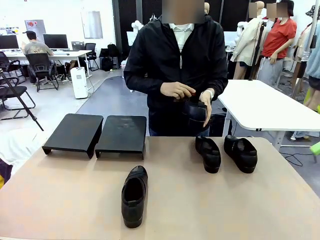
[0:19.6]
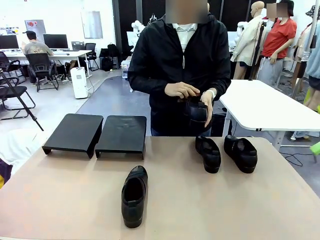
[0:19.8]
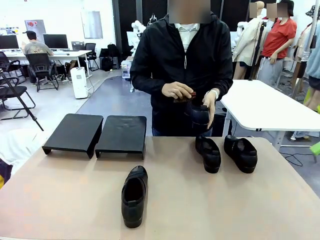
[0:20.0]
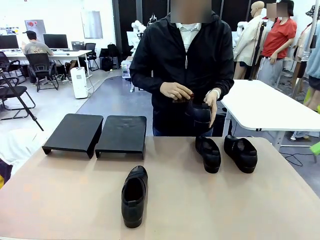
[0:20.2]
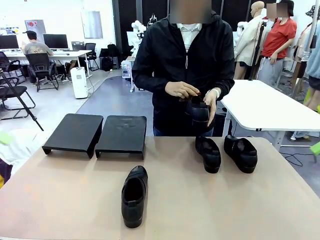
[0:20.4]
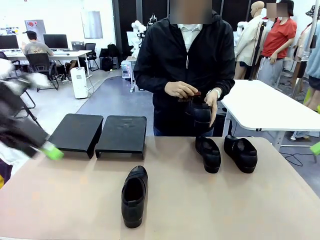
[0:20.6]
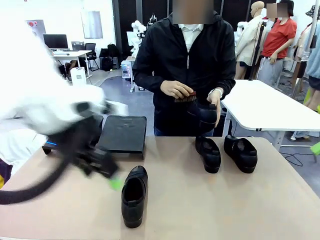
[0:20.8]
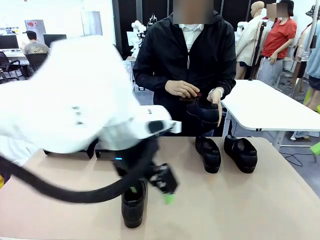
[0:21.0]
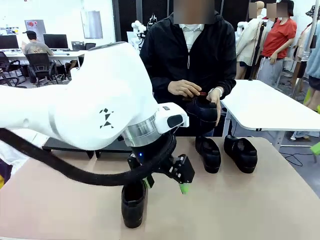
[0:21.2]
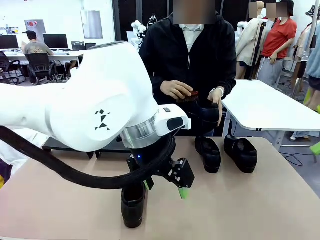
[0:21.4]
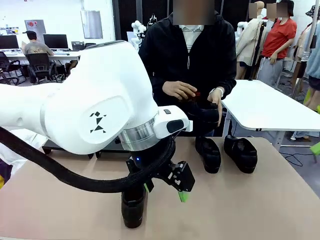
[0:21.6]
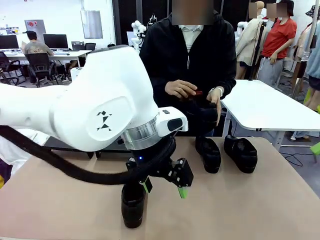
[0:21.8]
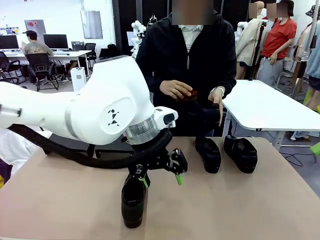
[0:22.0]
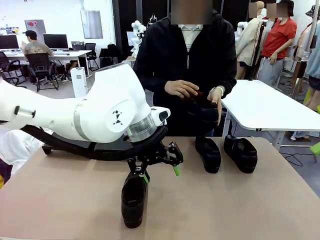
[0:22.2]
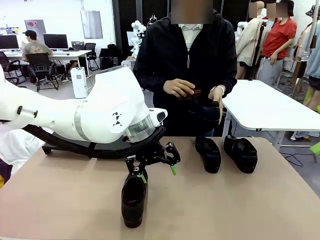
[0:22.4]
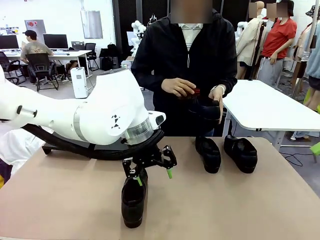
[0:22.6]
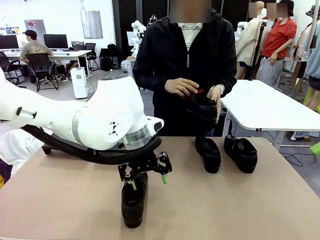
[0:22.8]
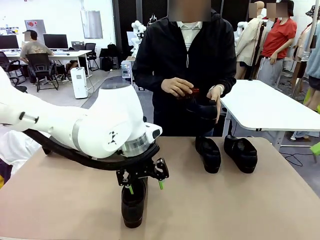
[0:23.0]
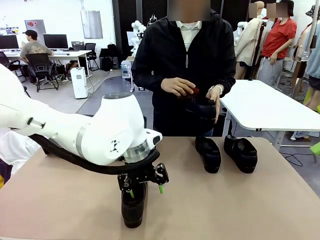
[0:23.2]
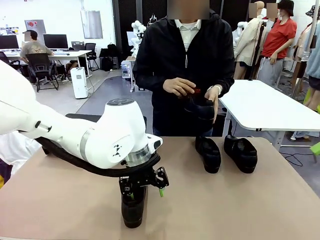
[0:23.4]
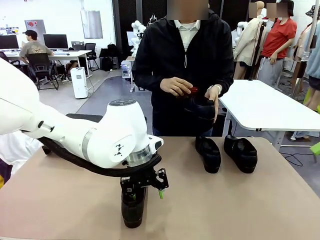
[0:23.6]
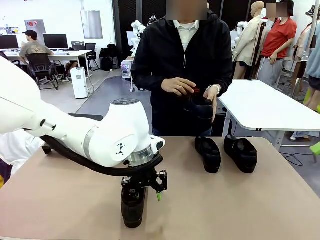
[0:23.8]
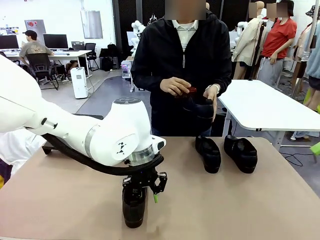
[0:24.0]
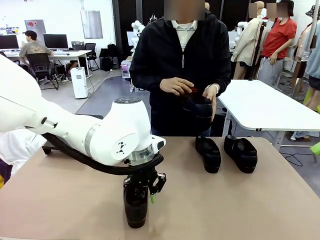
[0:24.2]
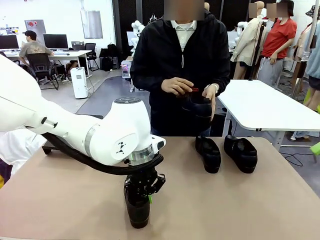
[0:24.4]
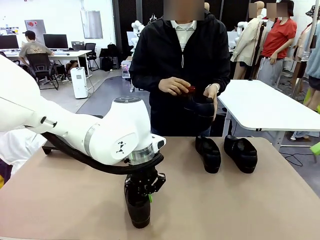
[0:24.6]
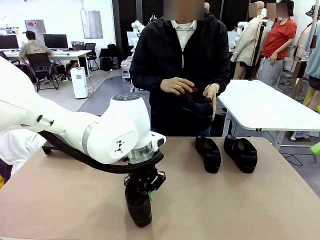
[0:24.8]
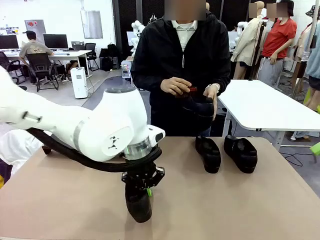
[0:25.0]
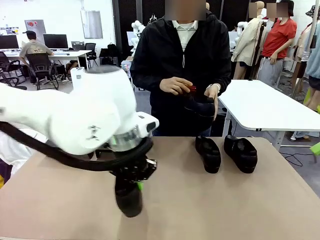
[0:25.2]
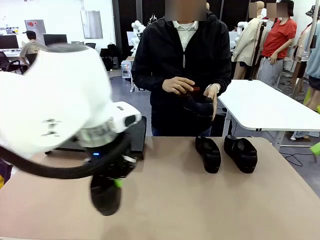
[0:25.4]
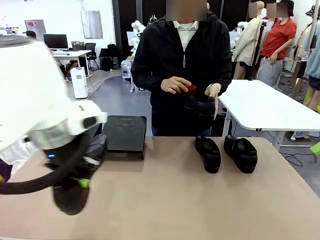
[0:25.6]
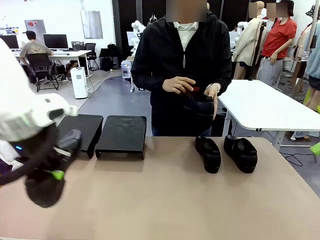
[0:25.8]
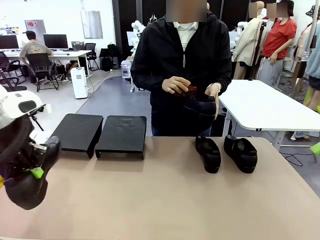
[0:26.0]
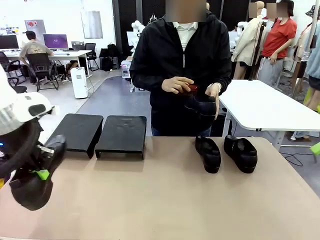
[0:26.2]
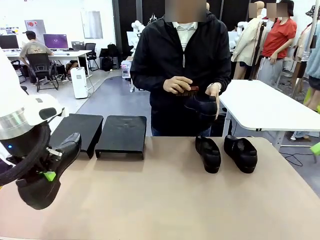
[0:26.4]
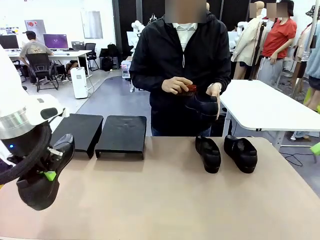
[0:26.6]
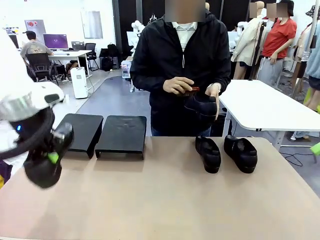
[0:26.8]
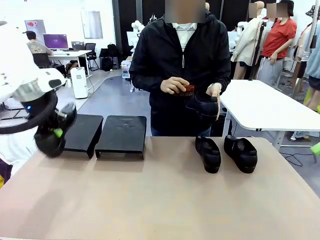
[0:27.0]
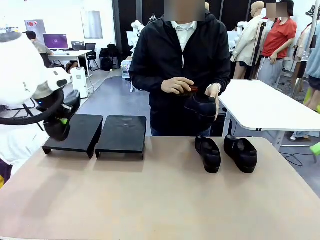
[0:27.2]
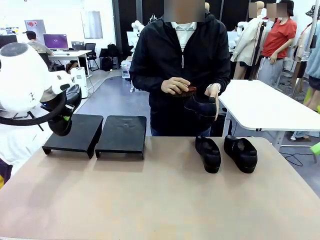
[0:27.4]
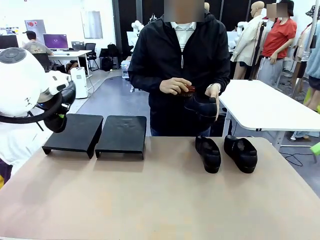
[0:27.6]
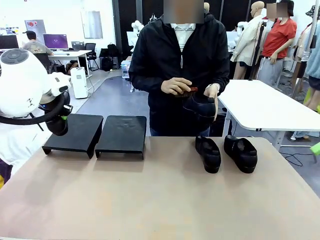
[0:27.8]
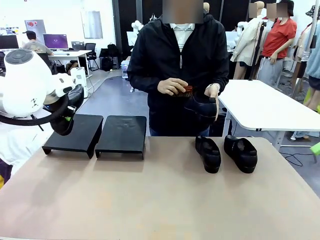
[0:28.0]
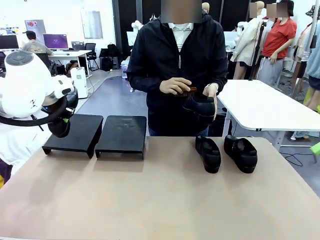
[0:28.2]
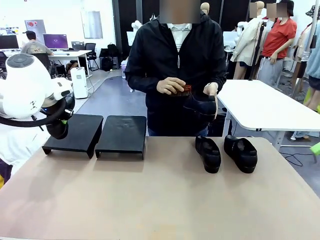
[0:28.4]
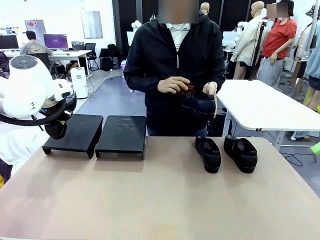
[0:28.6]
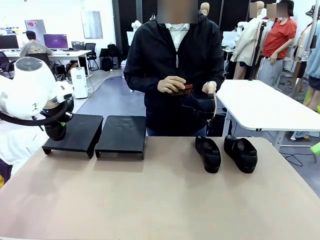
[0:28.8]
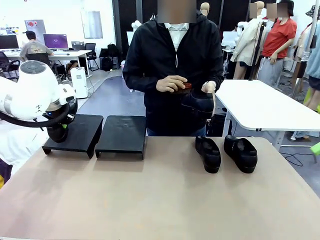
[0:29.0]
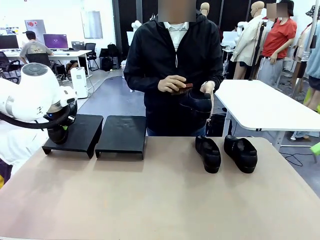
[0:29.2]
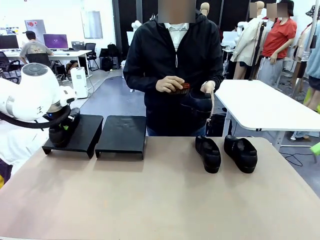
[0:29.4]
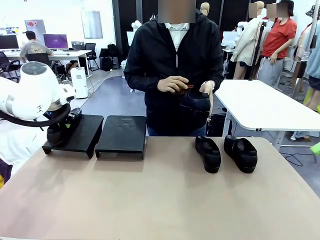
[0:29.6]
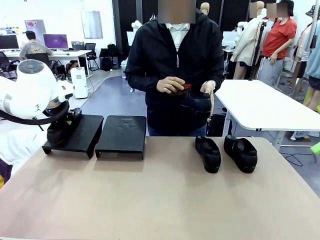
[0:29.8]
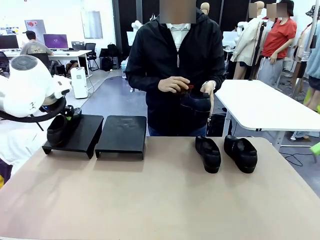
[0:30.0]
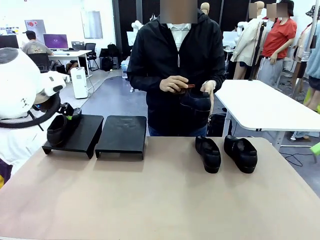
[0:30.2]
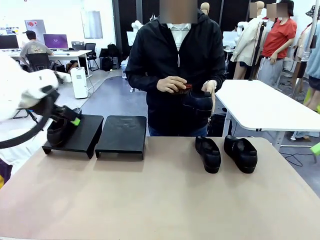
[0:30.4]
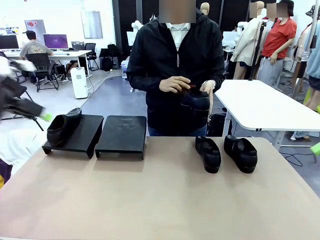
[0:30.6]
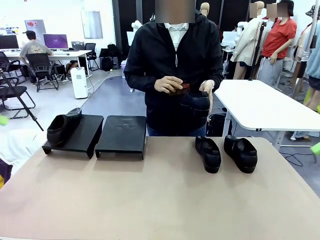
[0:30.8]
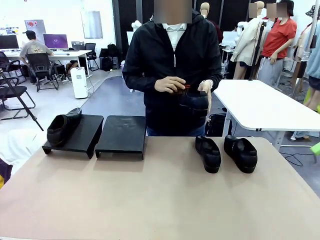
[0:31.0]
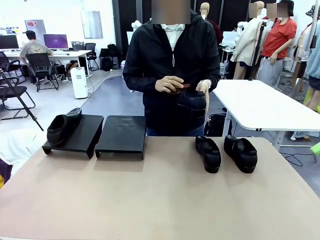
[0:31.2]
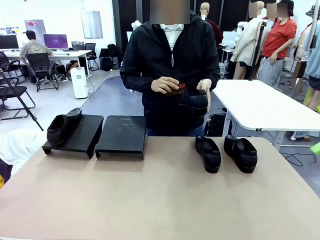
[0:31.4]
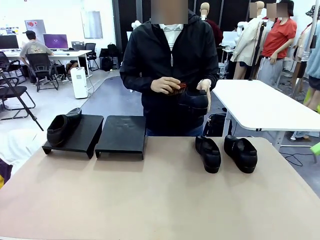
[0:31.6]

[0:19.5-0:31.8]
Task: Organize the shoes by placing them on the stand.
Robot: Place the Shoe from the middle of the table onto the Shoes Stand.
Person: Clean the Shoe with the Shoe Brush.

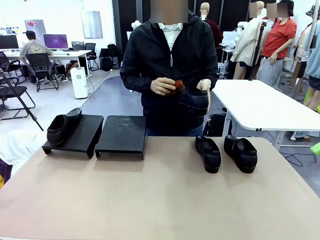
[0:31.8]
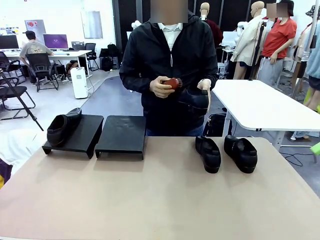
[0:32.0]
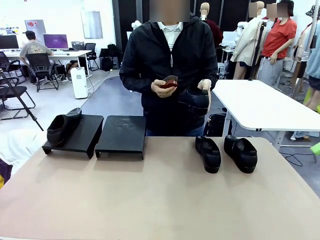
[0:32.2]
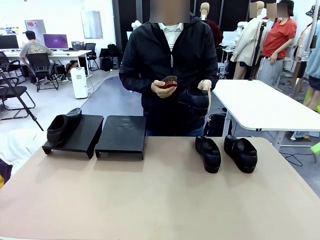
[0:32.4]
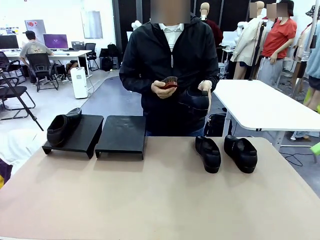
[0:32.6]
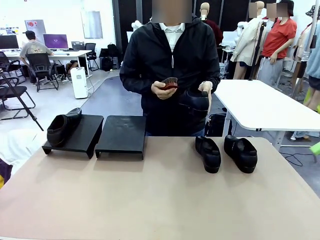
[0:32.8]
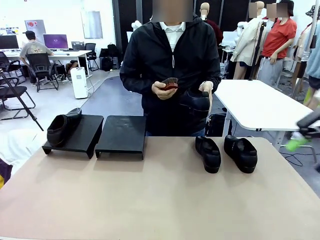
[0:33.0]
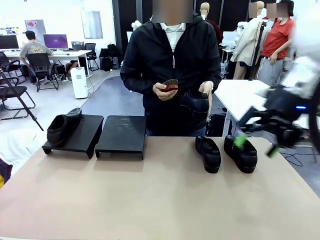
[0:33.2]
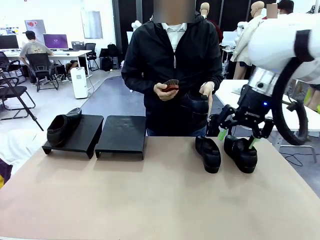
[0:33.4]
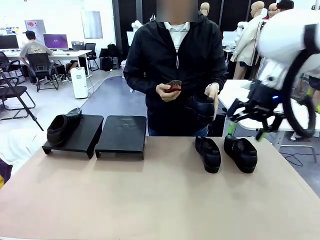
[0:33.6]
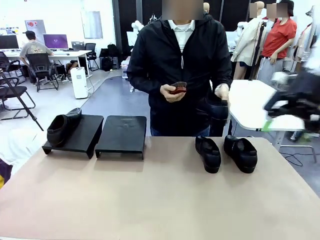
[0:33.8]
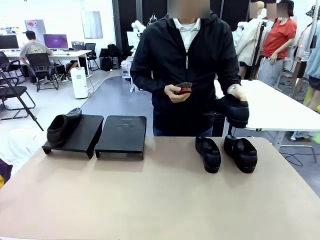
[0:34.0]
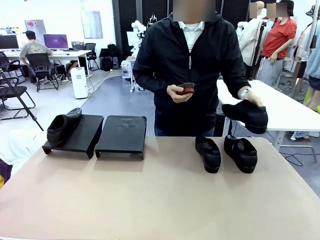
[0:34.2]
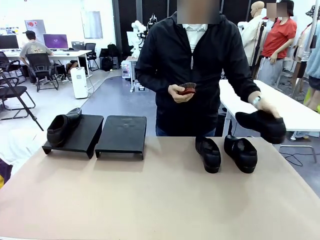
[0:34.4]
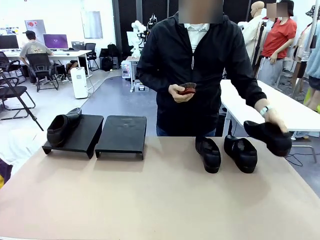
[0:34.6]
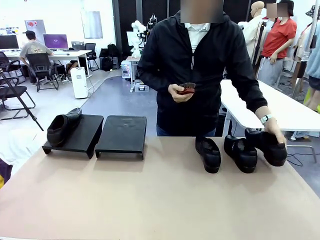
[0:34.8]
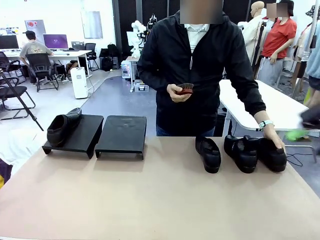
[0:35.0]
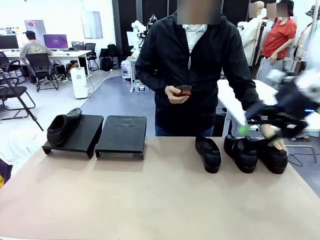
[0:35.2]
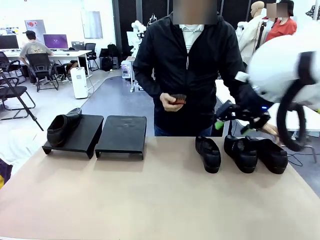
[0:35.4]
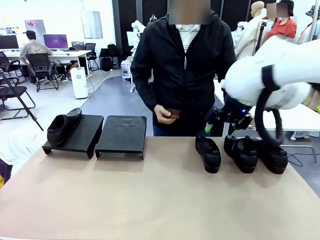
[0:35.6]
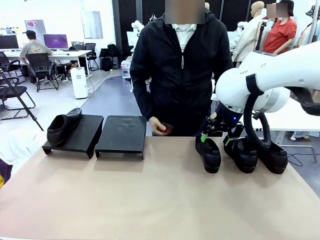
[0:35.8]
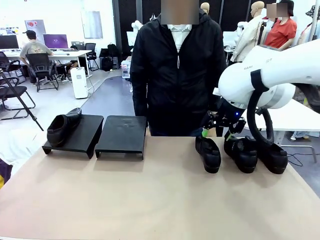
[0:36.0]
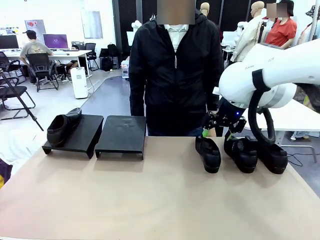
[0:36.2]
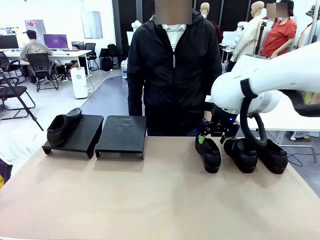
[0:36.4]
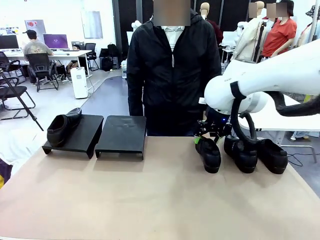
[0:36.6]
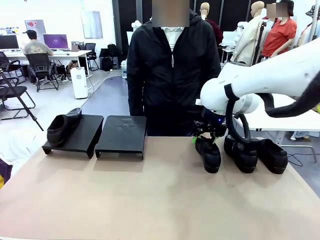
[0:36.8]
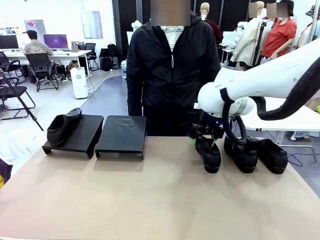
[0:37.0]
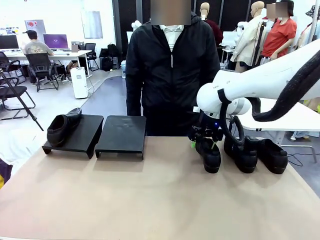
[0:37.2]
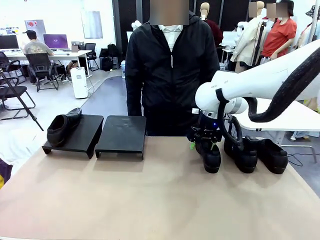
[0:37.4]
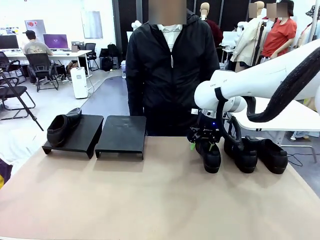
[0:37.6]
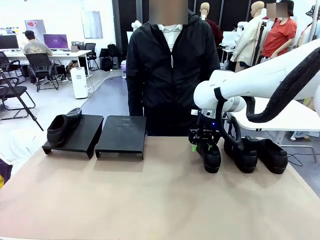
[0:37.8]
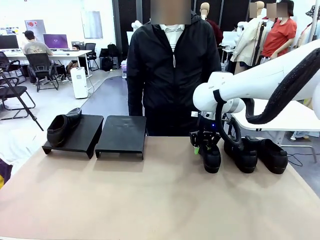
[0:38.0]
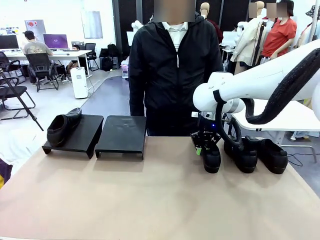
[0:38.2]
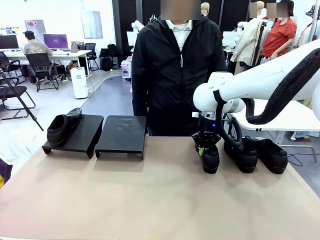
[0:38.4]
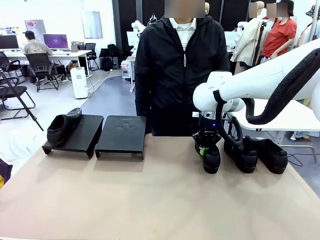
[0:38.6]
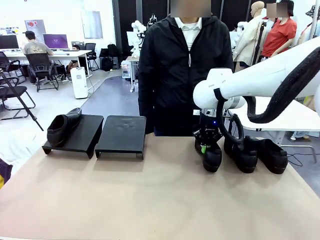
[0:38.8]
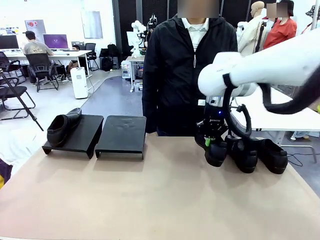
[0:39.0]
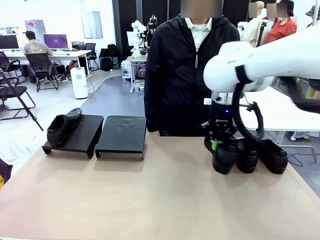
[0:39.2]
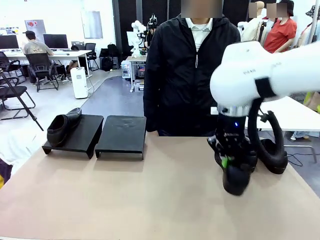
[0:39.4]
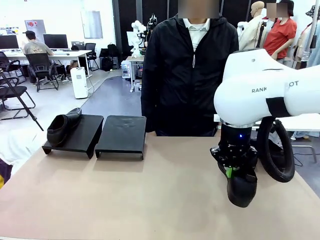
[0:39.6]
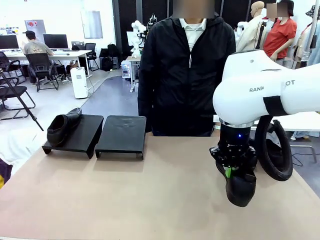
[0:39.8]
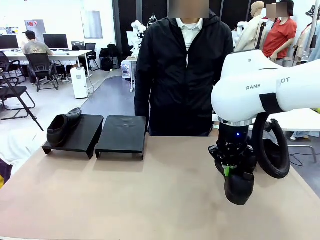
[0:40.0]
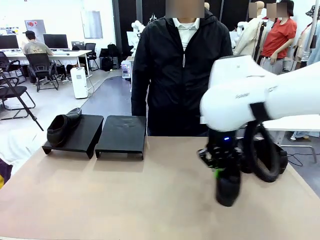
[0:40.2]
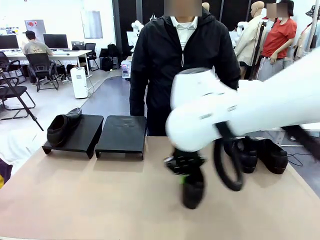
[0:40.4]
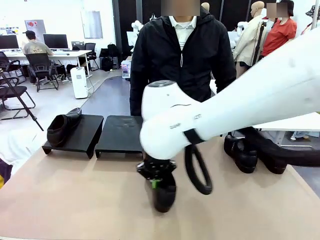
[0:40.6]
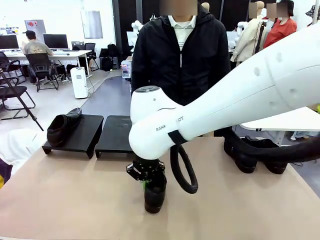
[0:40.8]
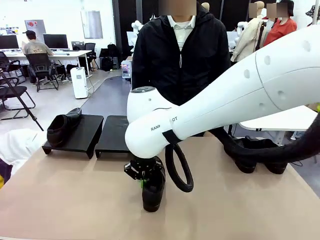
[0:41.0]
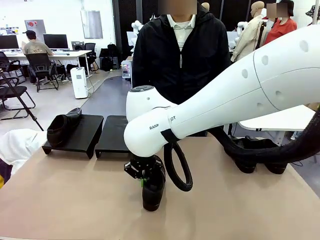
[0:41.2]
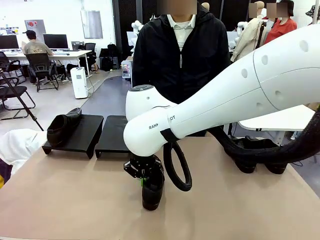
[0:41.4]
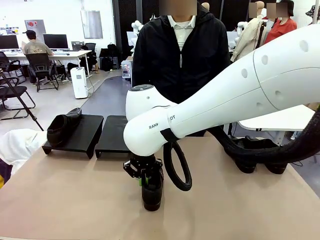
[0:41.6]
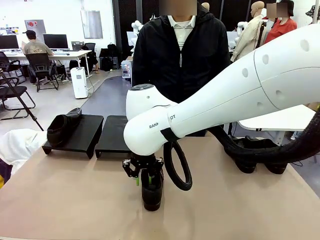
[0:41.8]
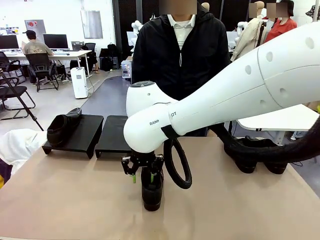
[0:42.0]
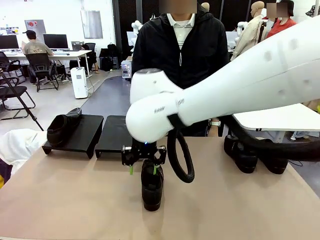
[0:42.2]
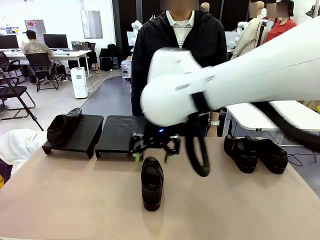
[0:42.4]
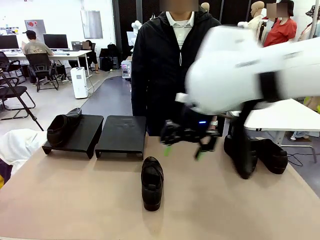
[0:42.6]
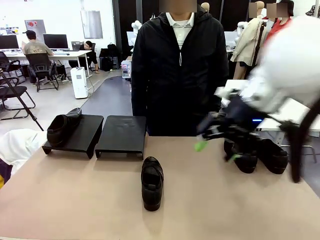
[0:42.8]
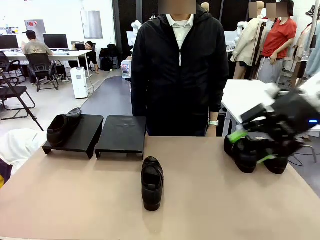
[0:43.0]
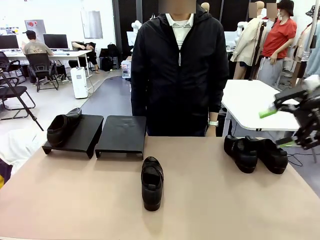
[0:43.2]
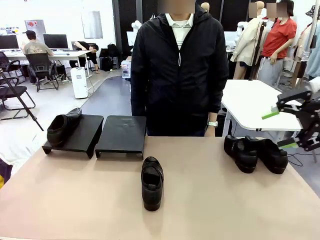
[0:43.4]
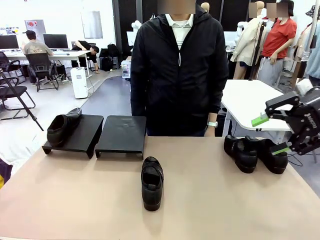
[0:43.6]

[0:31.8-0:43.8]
Robot: Pick up one Shoe and place it in the middle of the table.
